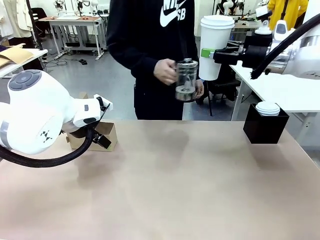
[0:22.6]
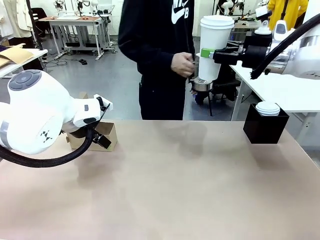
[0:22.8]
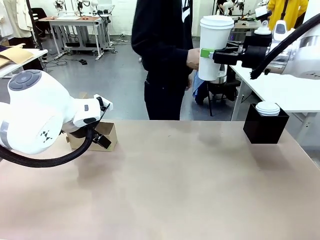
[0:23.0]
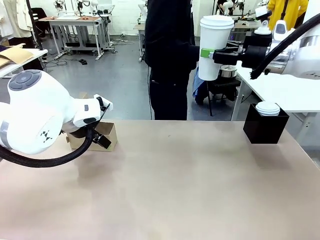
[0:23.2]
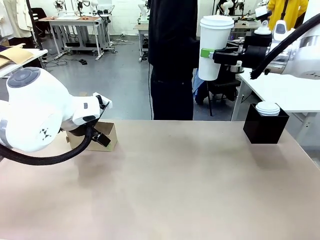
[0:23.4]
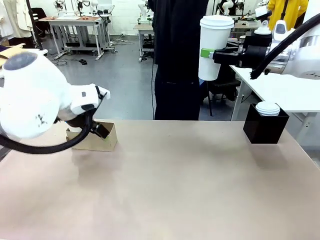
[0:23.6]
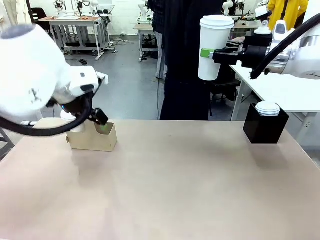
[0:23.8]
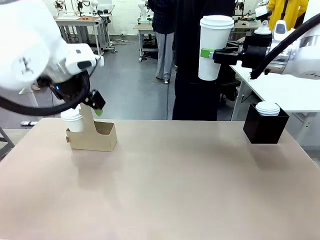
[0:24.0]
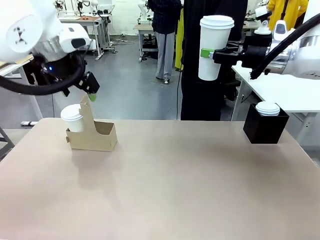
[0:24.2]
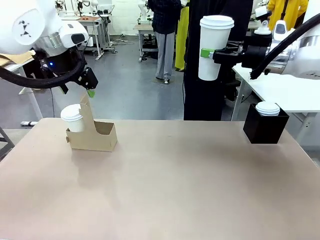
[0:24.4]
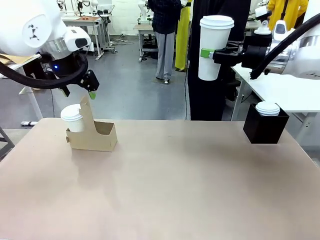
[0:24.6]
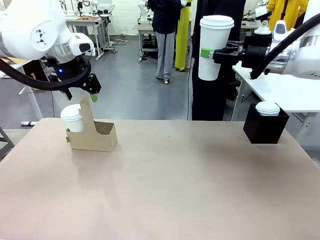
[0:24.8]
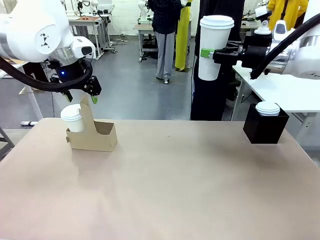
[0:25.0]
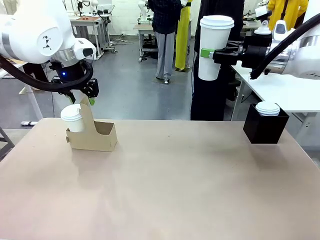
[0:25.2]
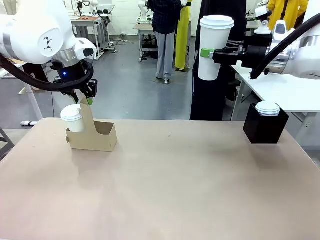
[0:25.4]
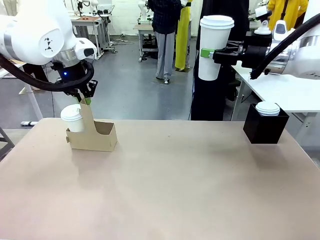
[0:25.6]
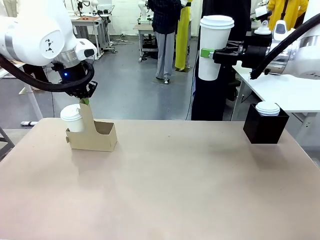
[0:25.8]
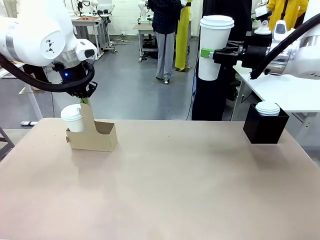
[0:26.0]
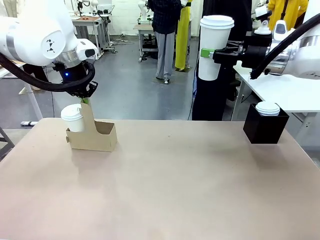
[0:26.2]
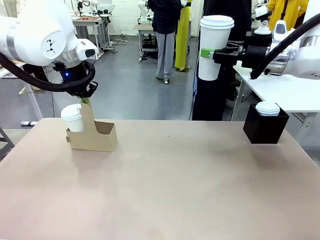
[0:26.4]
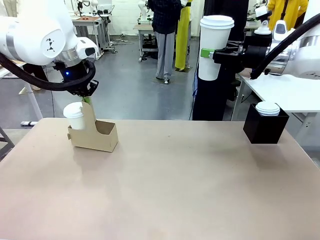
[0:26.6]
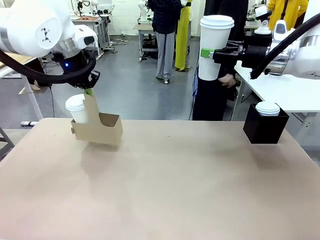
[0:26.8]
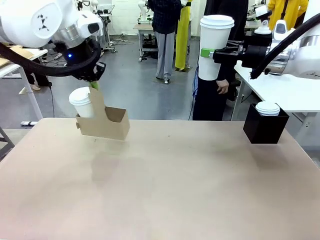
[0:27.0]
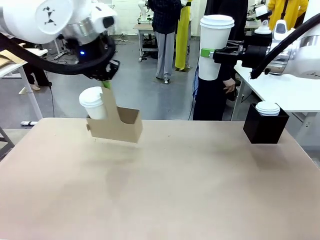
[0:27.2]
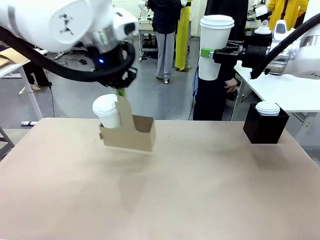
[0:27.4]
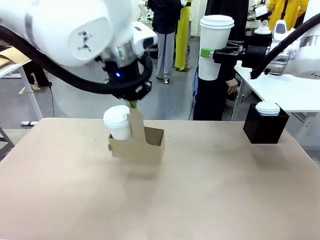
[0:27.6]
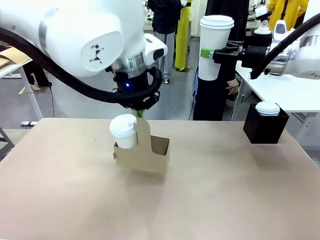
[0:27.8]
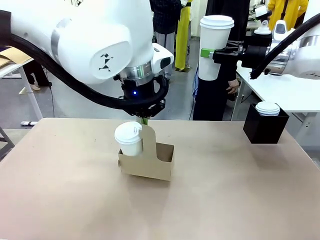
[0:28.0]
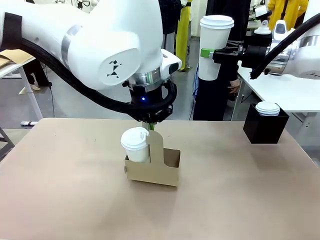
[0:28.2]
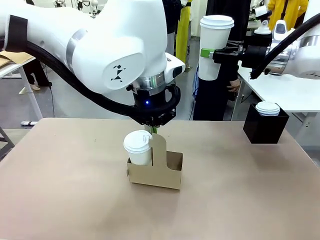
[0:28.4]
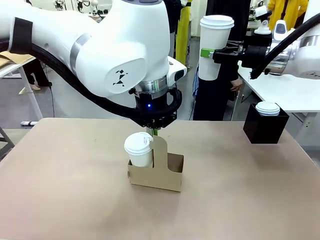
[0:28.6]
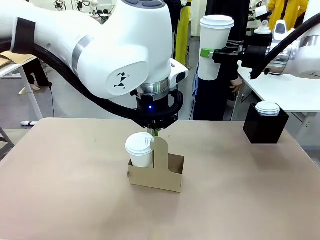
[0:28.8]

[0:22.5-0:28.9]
Task: Pour a drink into a cup and package it in a carrier.
Robot: Position the Cup Carrier in the center of the table.

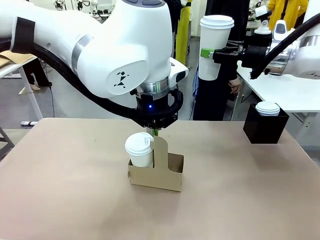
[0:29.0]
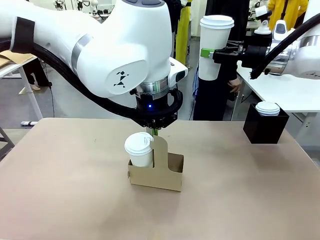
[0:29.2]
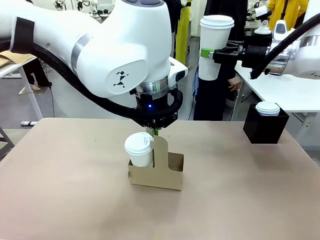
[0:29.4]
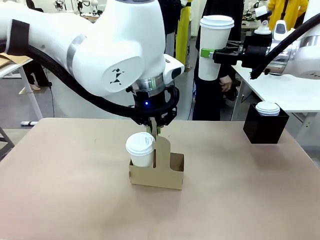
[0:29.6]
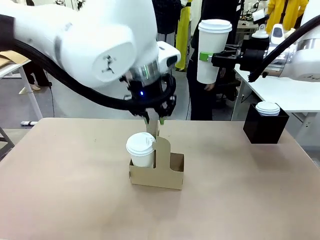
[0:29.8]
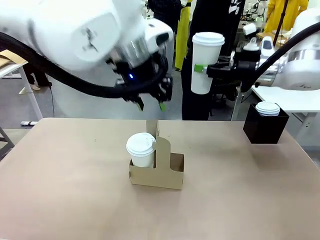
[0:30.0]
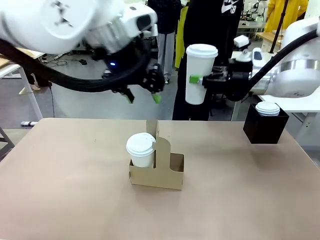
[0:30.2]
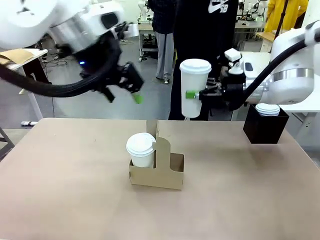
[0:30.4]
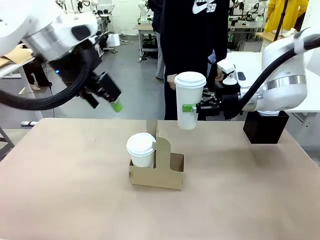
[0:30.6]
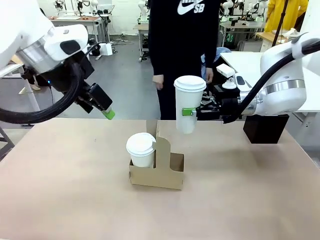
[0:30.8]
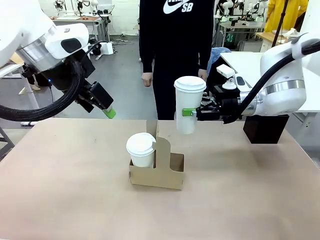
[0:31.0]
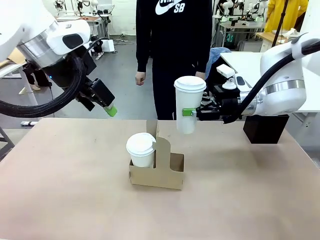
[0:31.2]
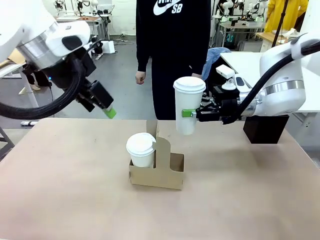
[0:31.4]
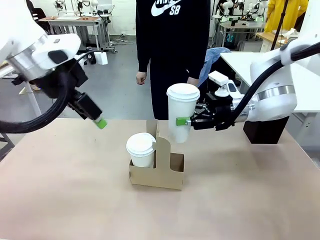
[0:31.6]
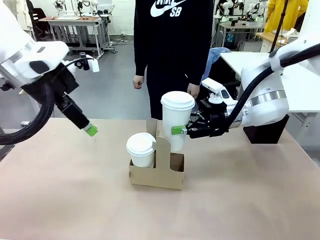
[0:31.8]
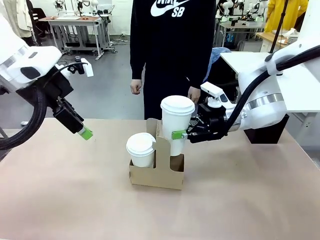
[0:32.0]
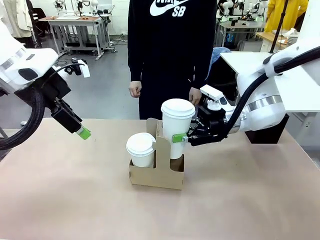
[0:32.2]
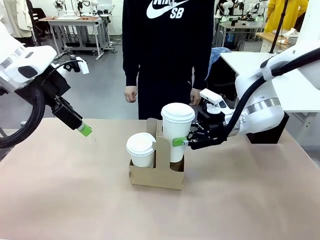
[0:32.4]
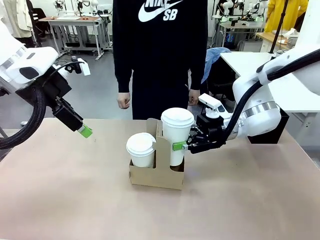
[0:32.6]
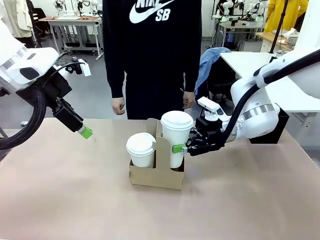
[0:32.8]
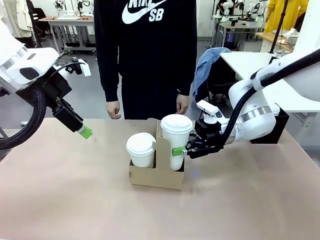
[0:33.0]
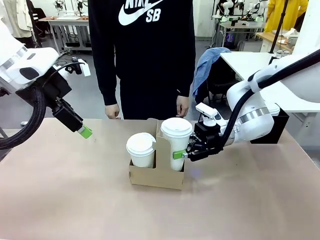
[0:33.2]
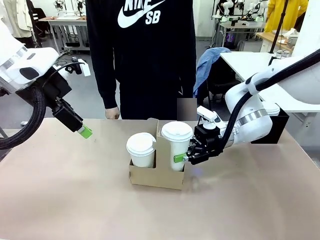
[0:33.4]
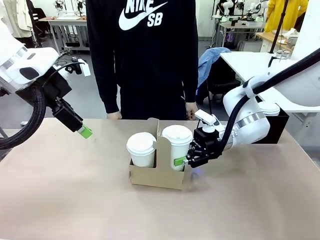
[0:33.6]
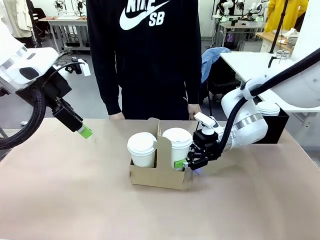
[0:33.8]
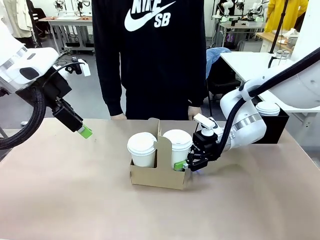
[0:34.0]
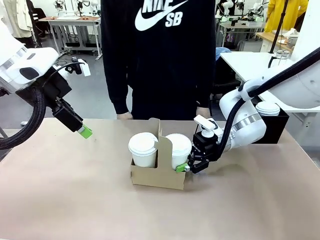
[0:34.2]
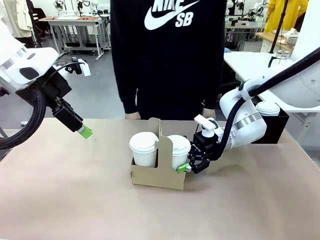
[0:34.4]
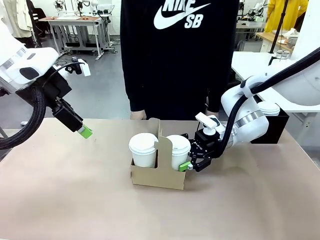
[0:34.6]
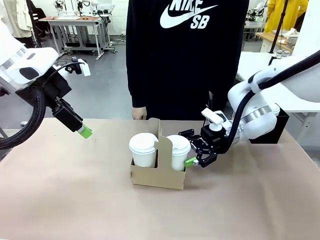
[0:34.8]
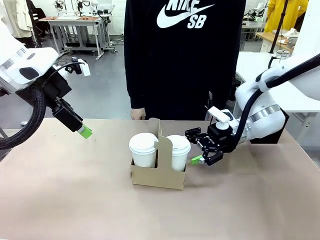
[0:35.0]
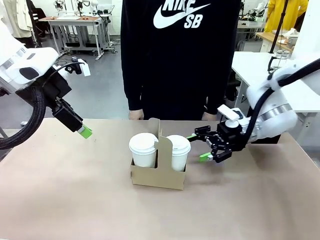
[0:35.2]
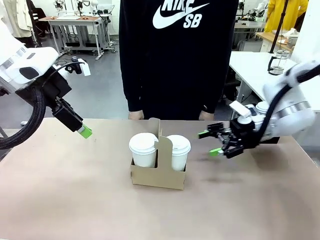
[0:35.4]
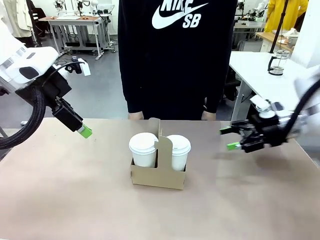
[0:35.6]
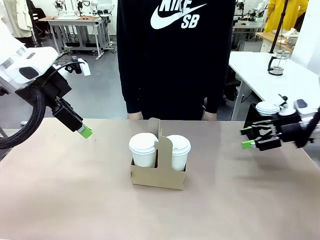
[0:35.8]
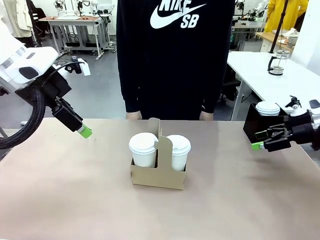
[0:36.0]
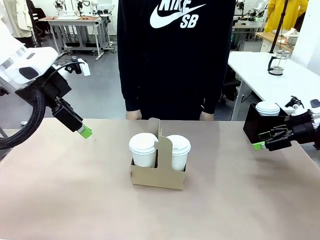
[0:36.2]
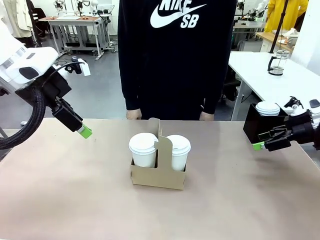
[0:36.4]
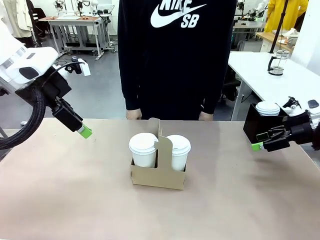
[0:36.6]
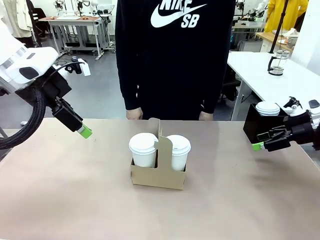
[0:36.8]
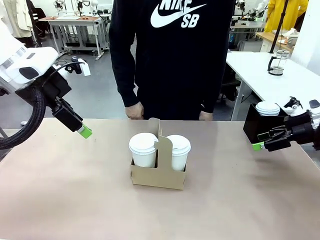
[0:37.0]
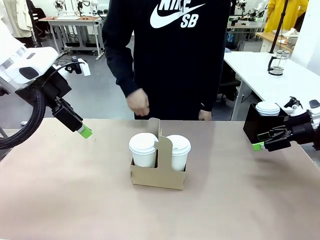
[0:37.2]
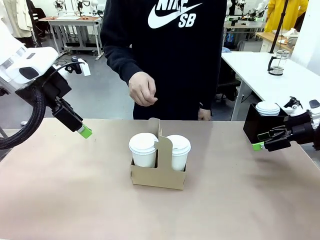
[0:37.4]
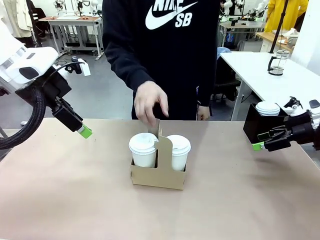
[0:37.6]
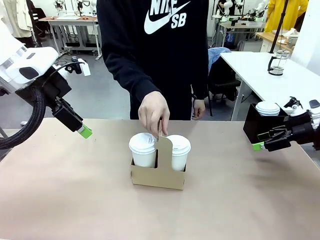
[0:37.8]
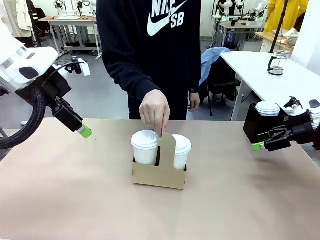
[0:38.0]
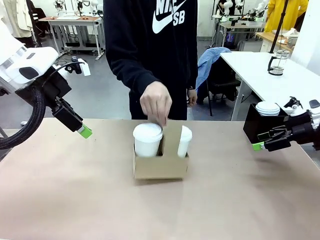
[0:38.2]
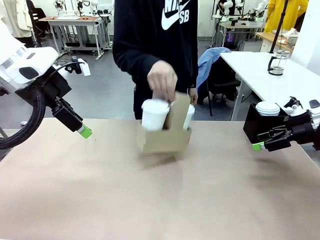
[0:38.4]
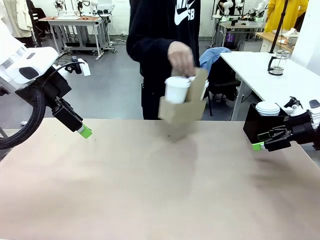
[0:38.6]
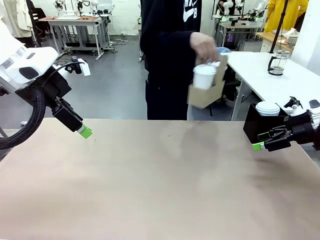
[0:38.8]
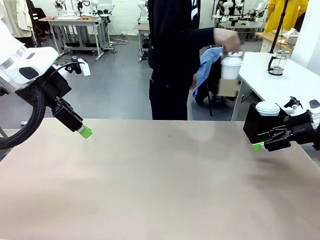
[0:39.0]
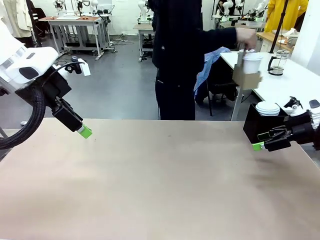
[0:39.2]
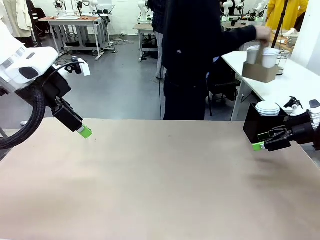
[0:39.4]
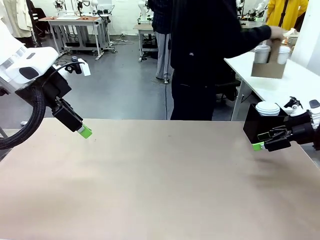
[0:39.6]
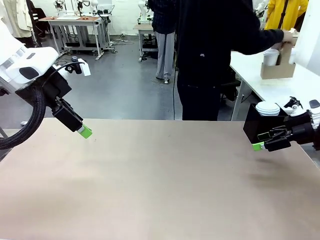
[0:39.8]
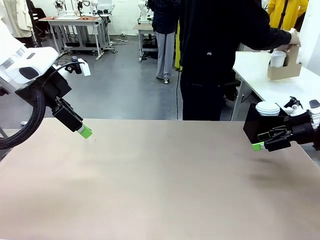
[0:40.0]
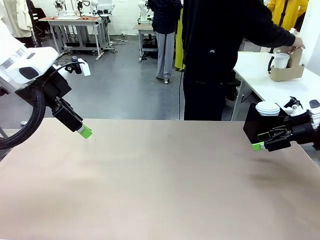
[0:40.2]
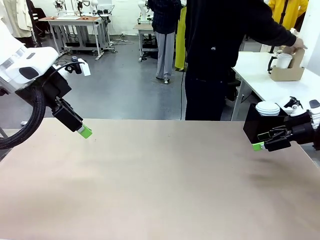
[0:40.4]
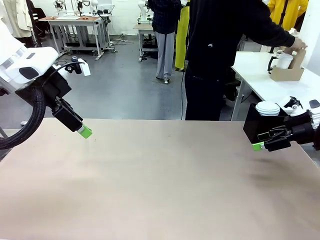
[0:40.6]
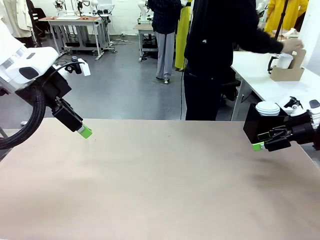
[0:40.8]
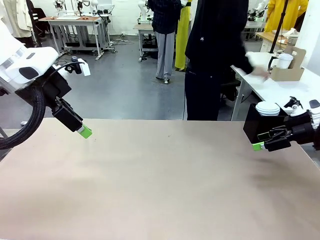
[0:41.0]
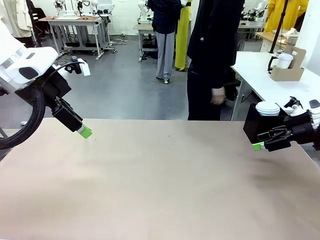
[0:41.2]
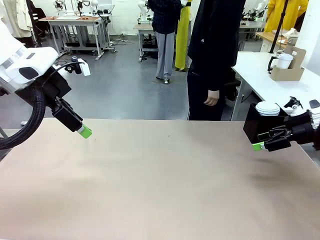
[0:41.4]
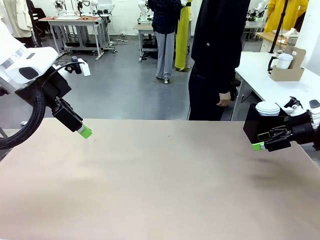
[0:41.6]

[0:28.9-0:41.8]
Robot: Insert the held 600 ml Paper Cup into the Cup Carrier.
Person: Place the Cup Carrier to the middle of Human table.
